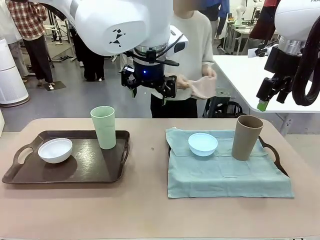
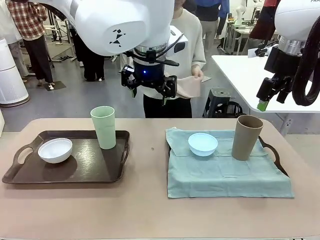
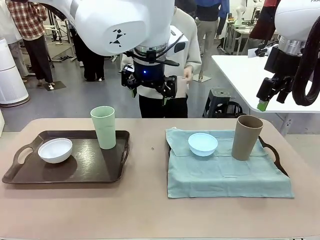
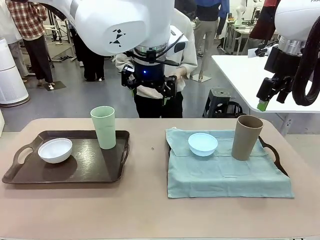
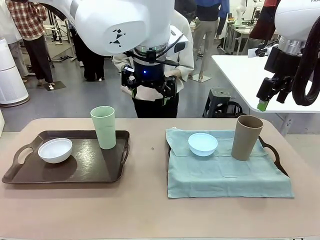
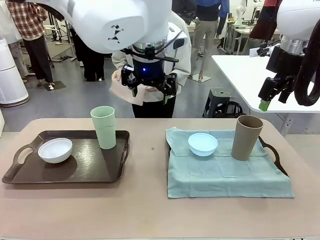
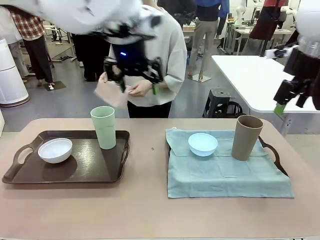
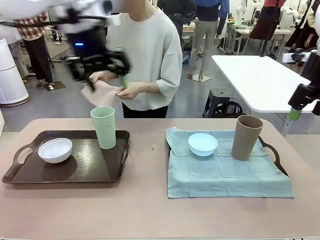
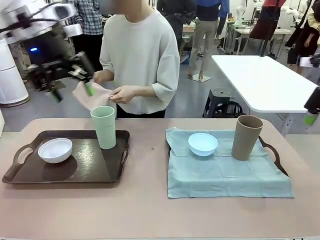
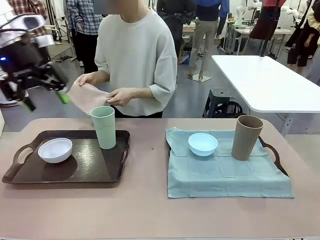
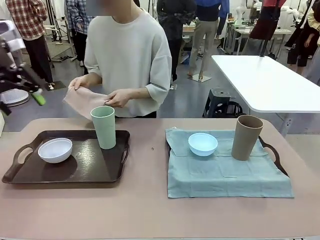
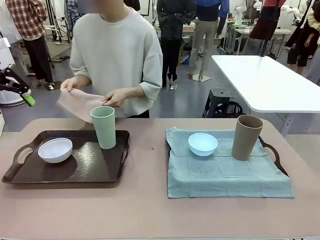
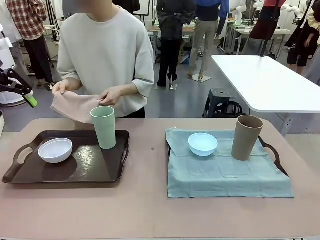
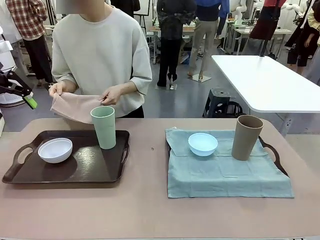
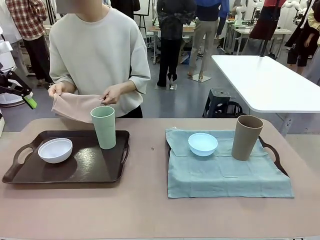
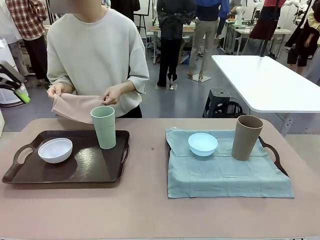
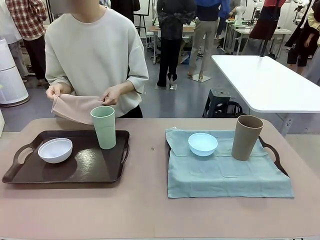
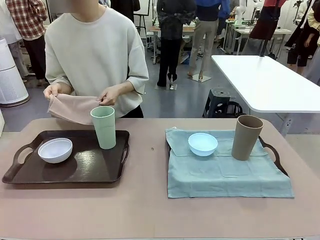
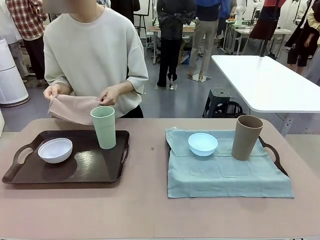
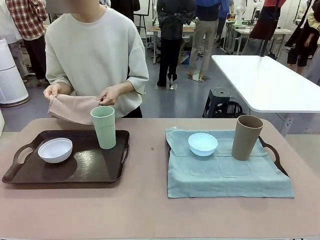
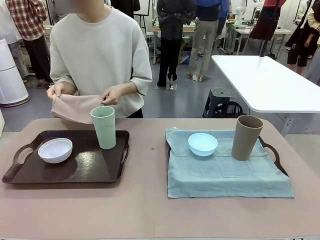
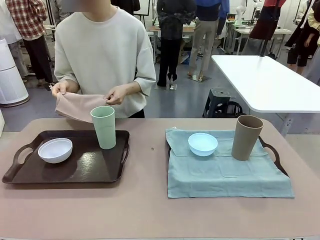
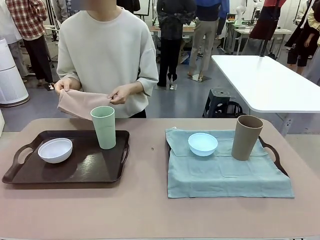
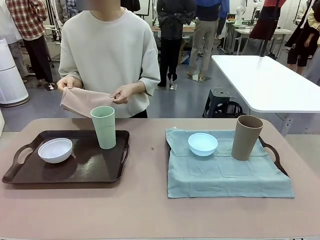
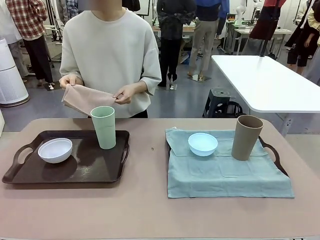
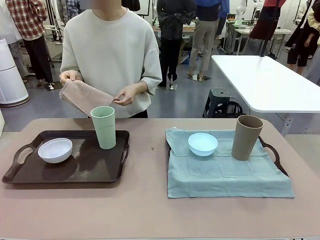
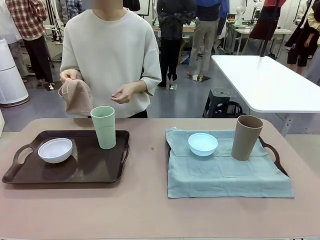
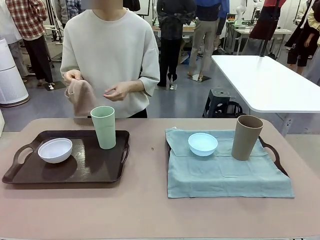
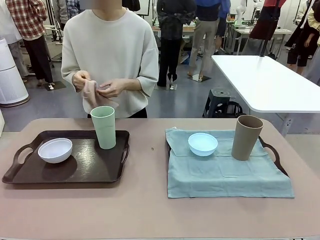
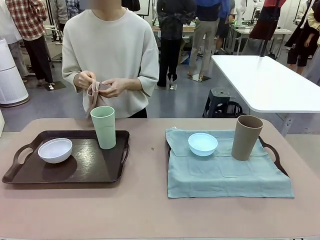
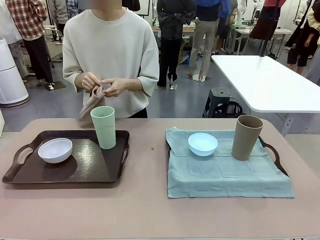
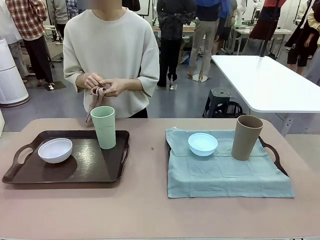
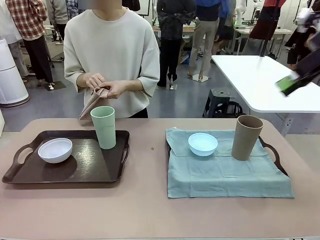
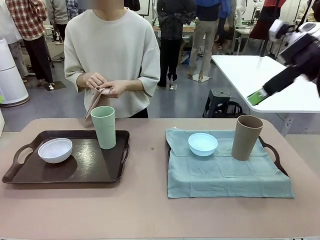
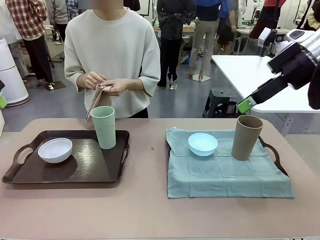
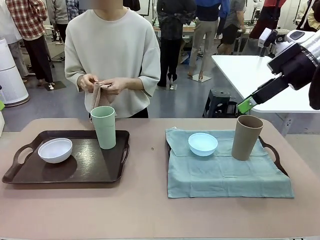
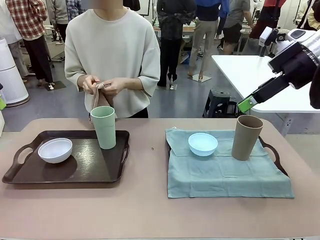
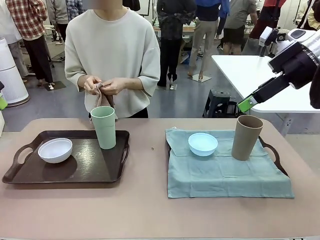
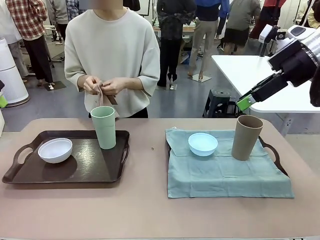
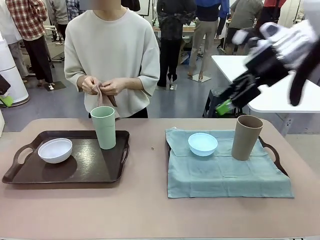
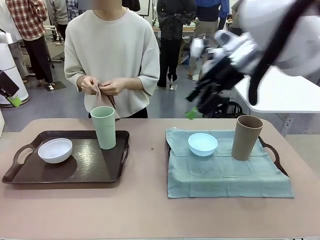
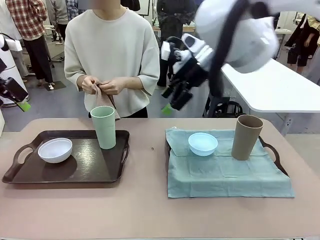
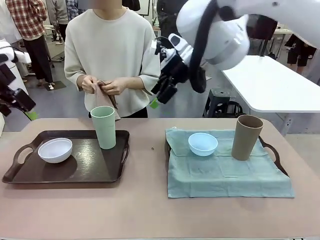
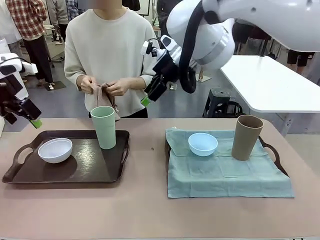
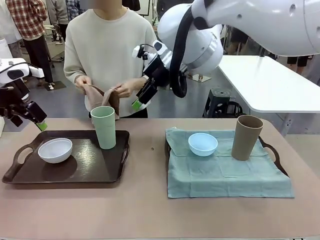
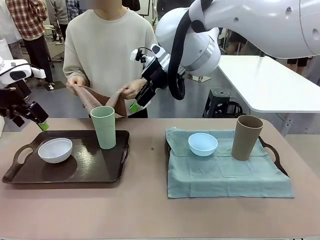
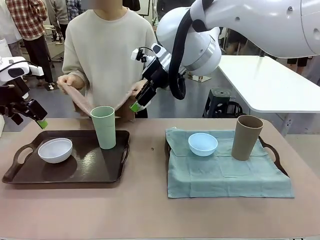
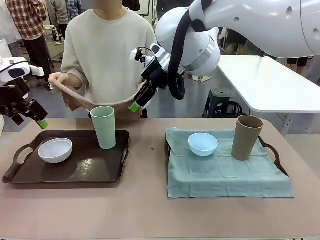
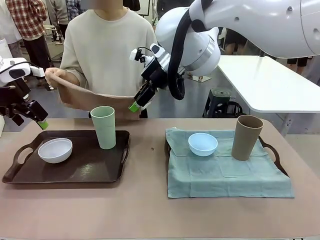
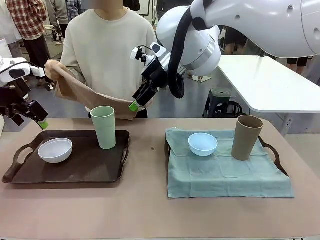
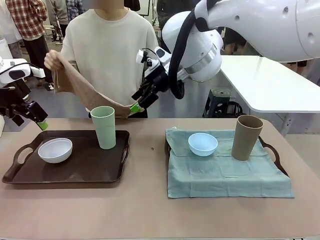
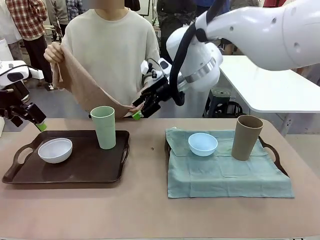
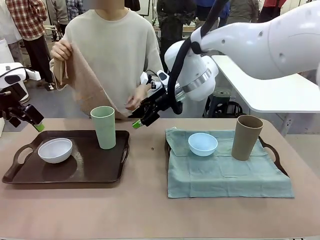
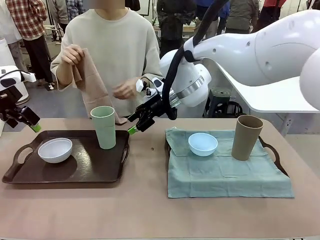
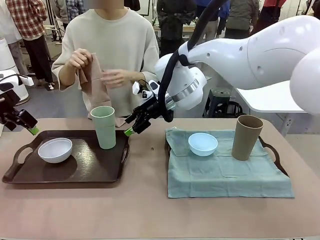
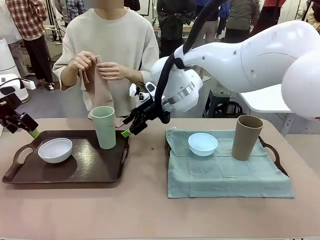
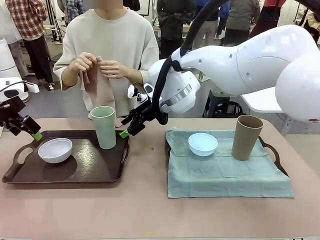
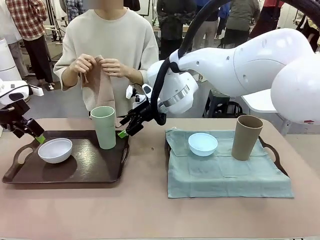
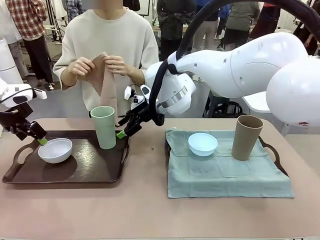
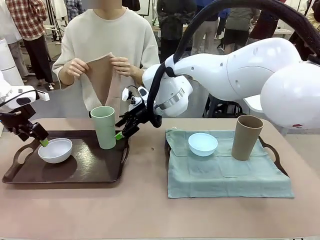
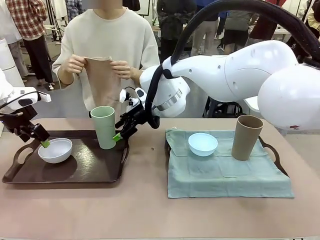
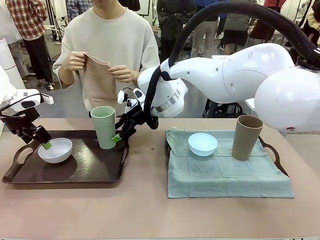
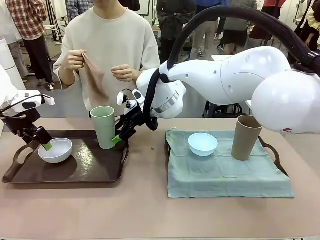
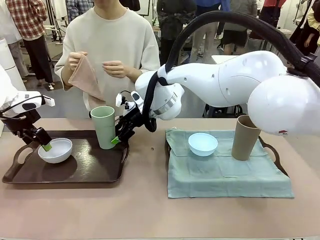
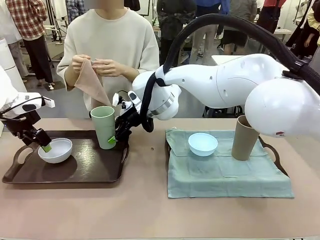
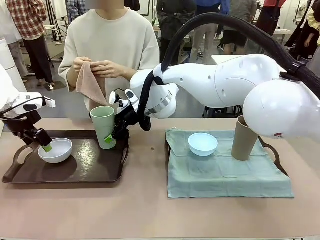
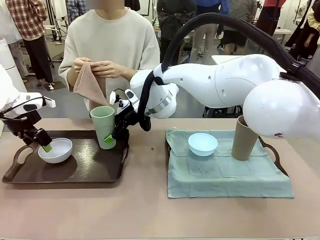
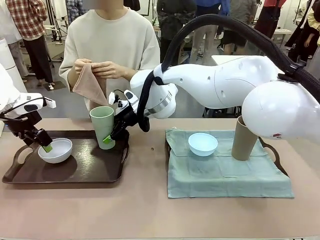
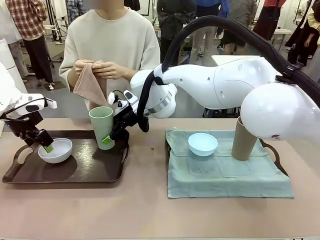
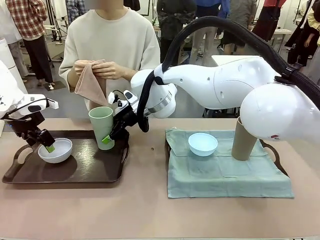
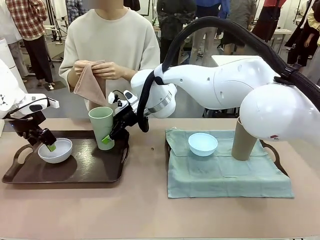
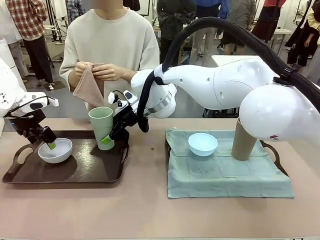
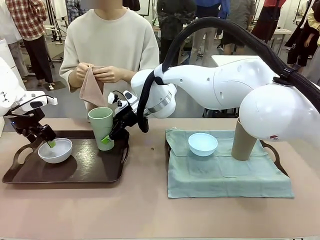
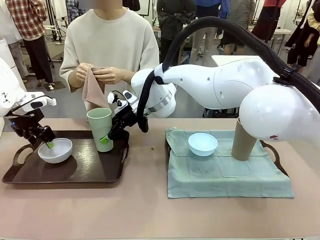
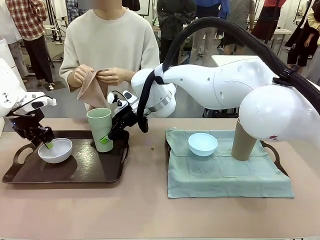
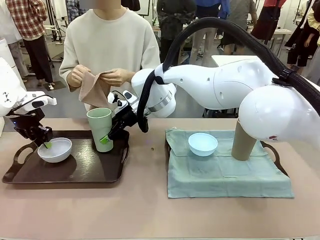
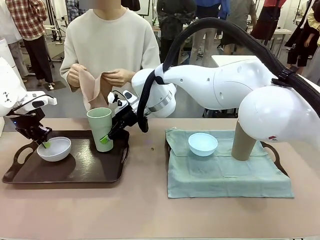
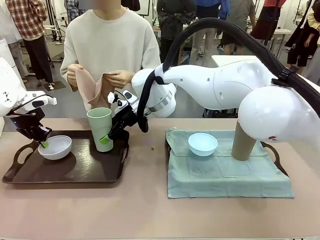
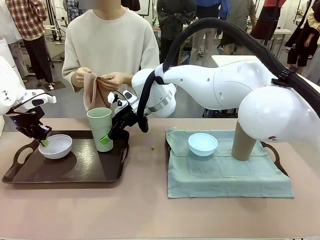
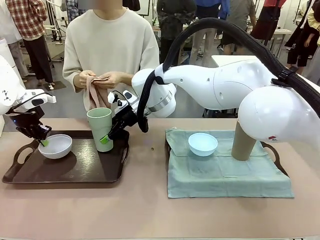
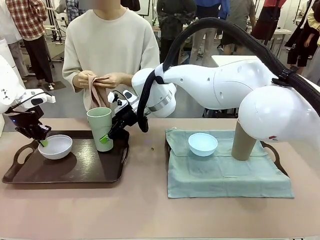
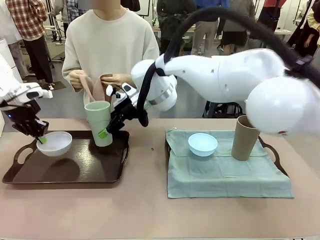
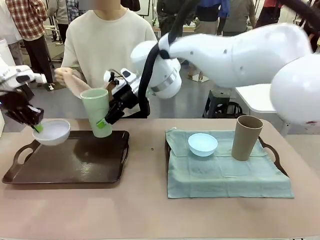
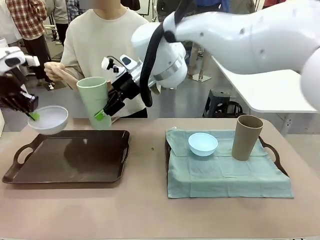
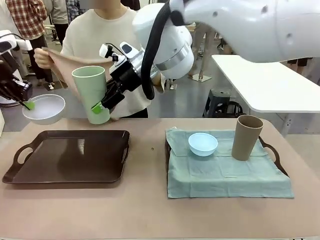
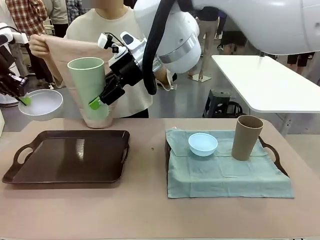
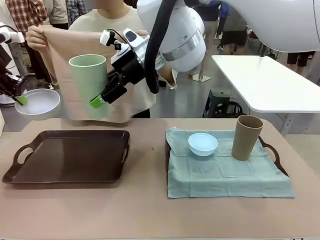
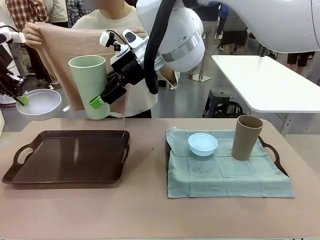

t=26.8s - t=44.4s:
Robot: Pick up the Picnic Bowl and Reusable plastic cup from the Handle tray in front of the human's position and hold them in the air.
Person: When the robot lifts the bowl and the cup, the human unfolds the napkin and lays the napkin flat on the tray.
